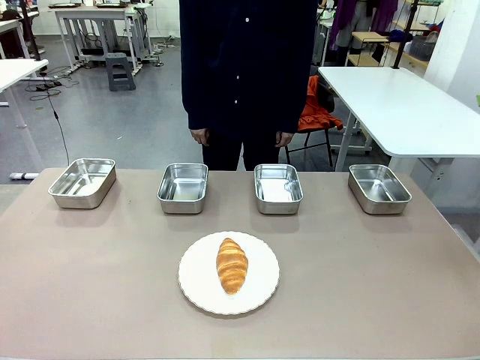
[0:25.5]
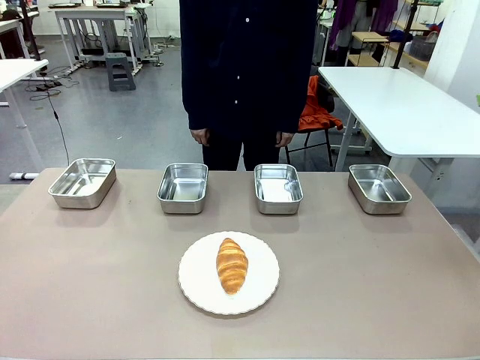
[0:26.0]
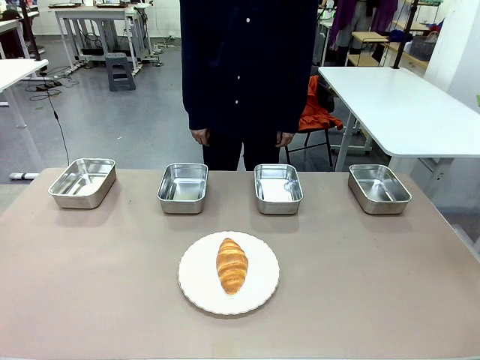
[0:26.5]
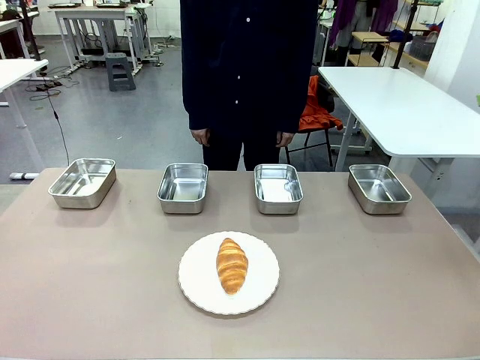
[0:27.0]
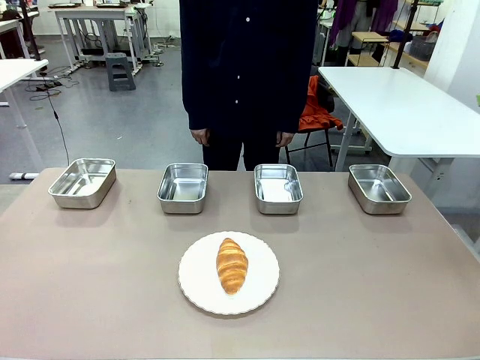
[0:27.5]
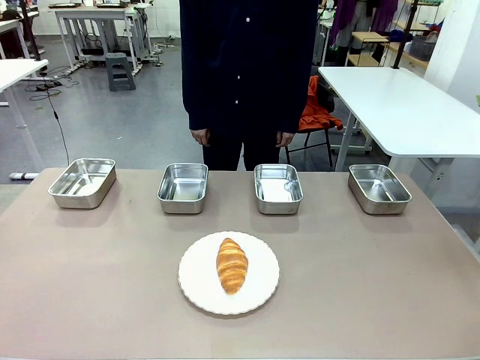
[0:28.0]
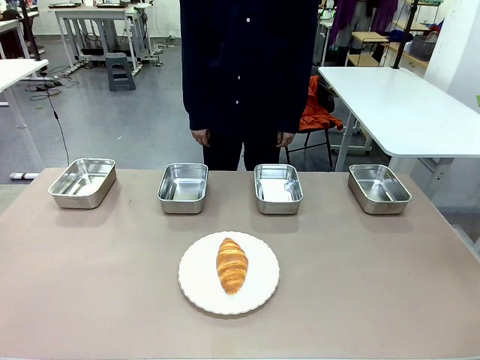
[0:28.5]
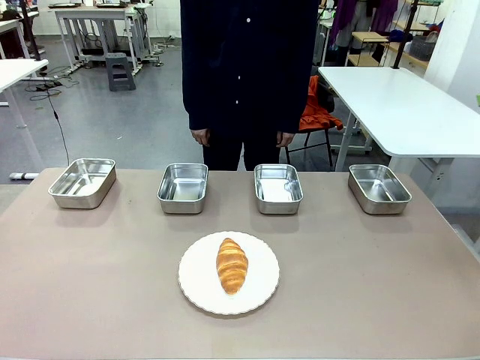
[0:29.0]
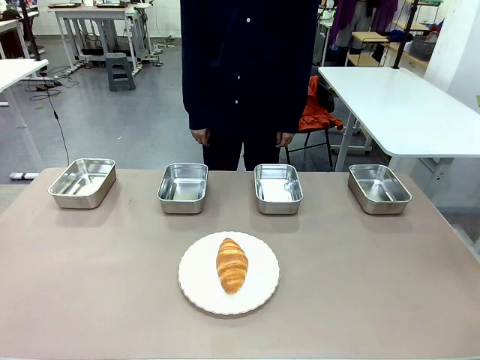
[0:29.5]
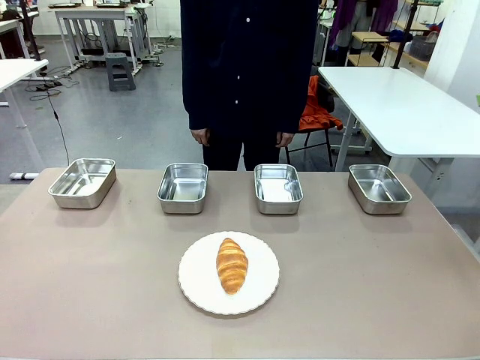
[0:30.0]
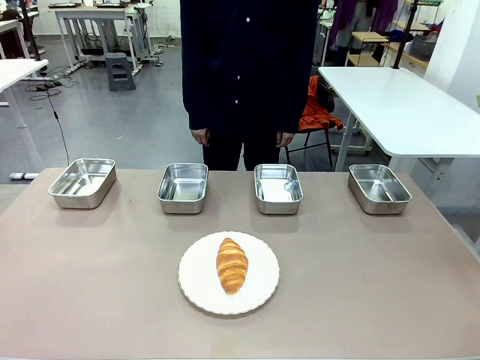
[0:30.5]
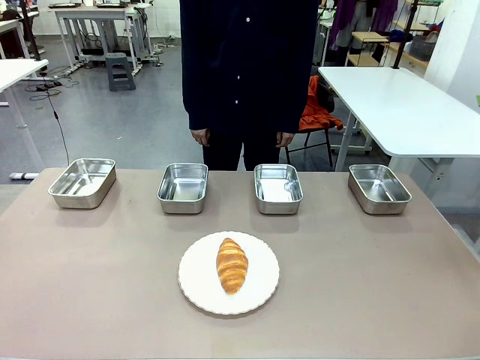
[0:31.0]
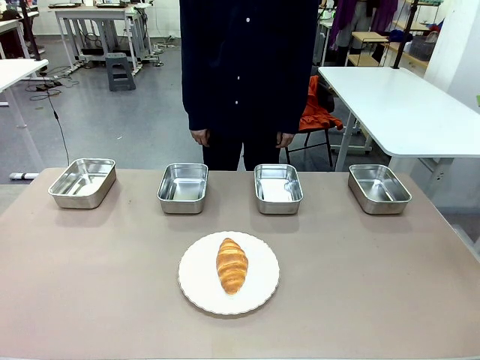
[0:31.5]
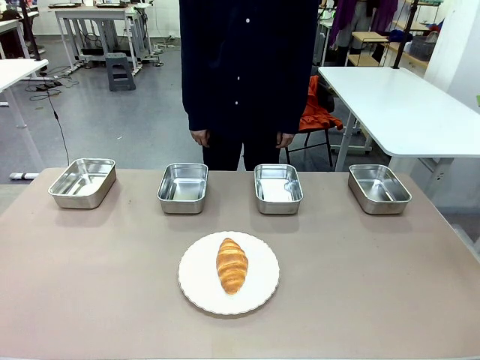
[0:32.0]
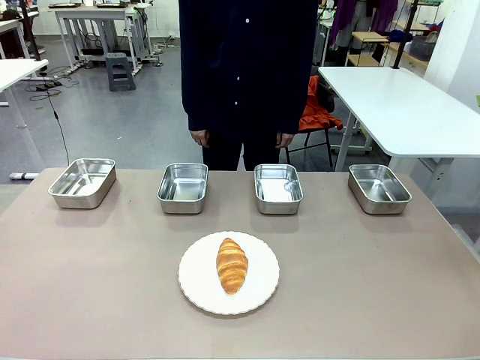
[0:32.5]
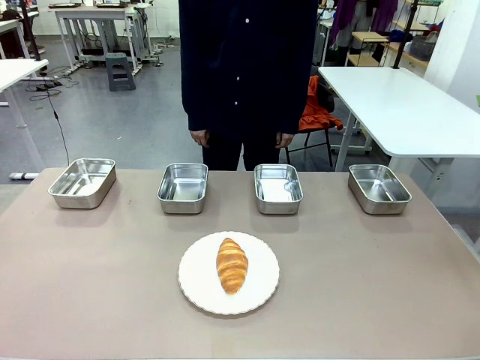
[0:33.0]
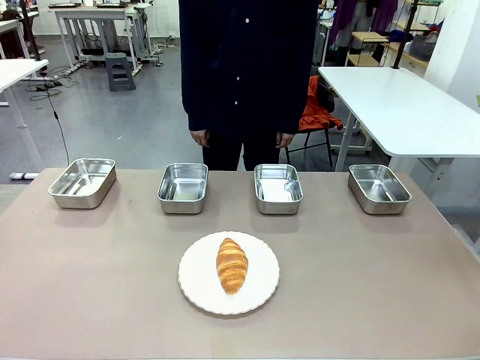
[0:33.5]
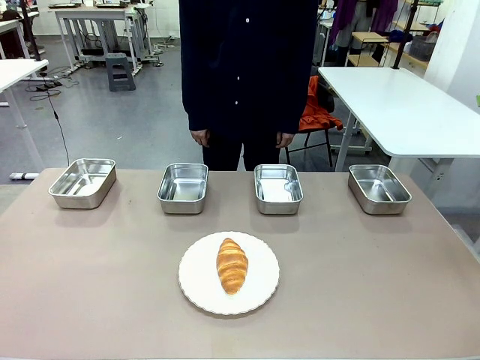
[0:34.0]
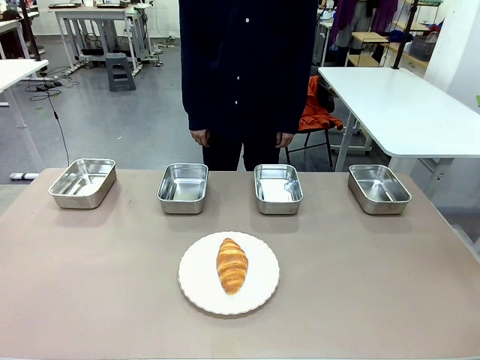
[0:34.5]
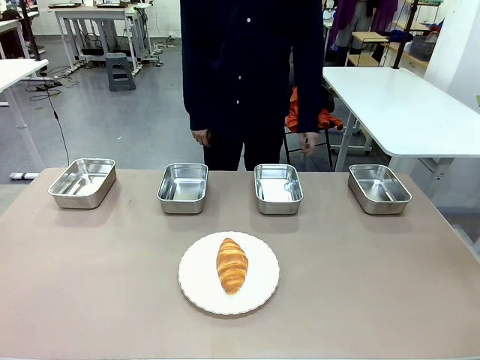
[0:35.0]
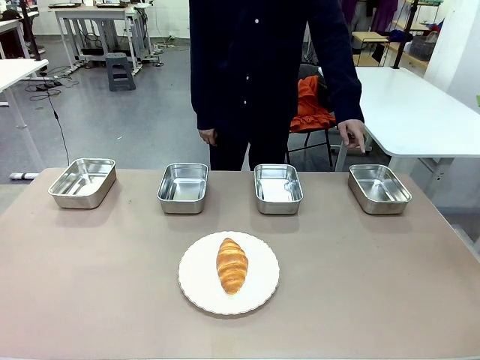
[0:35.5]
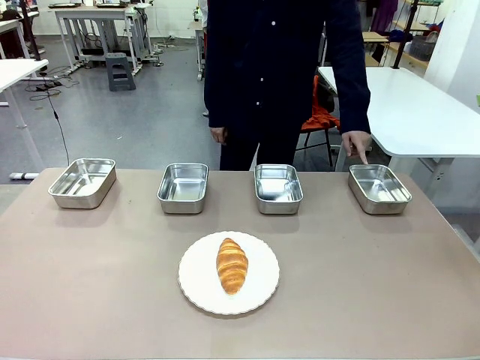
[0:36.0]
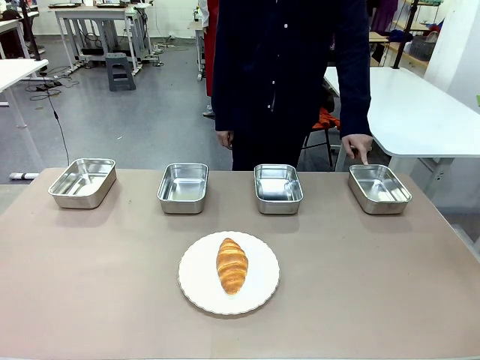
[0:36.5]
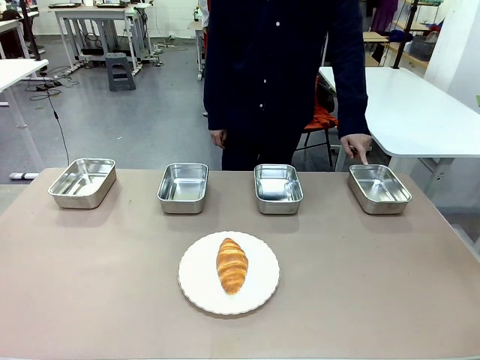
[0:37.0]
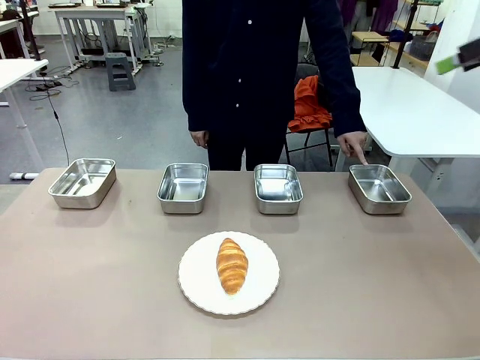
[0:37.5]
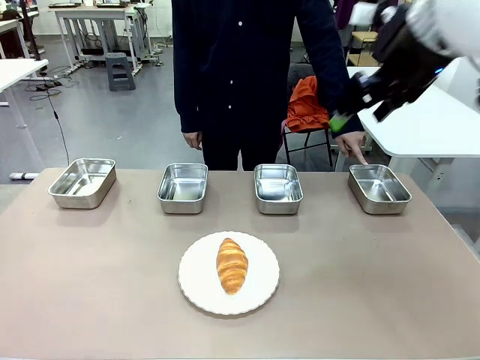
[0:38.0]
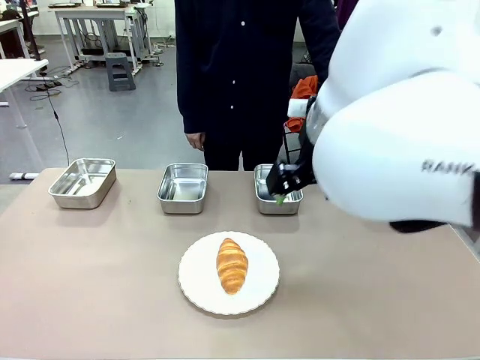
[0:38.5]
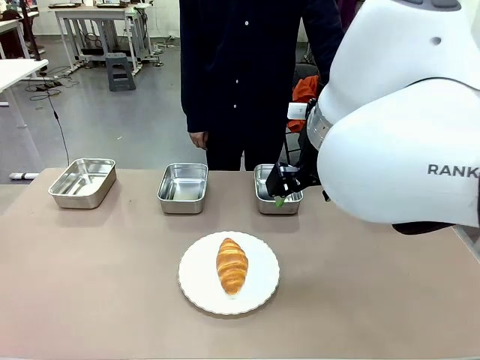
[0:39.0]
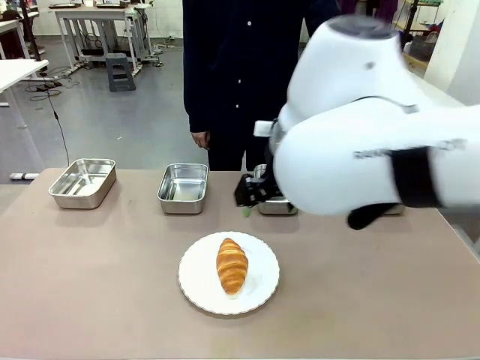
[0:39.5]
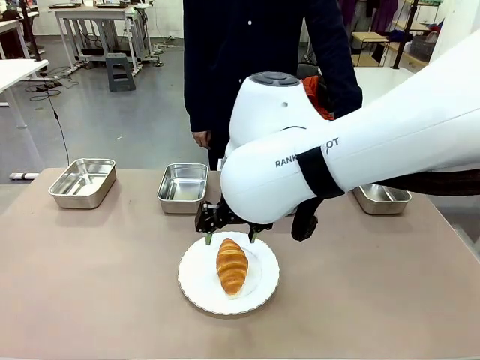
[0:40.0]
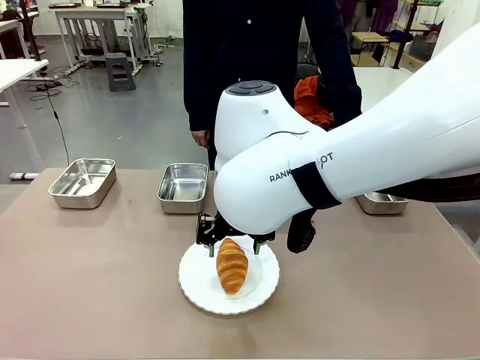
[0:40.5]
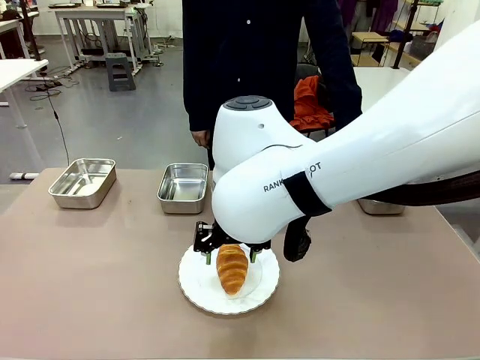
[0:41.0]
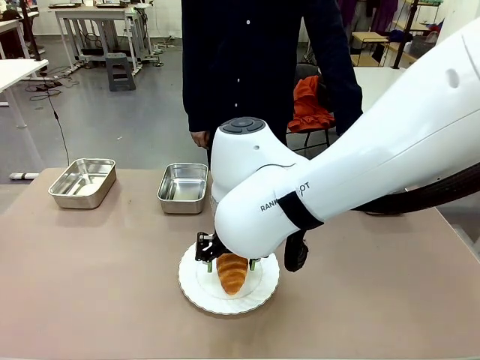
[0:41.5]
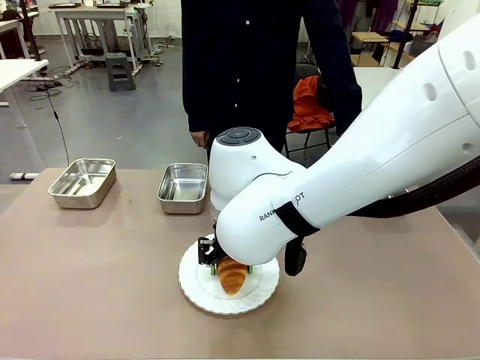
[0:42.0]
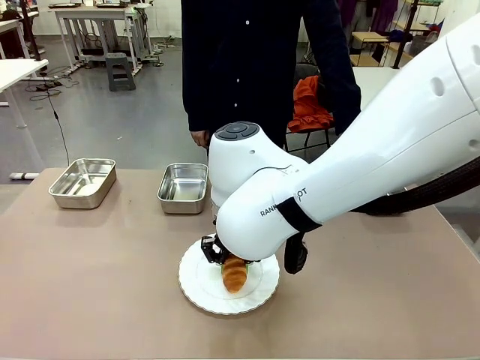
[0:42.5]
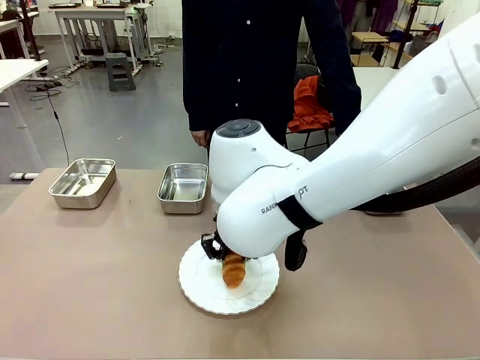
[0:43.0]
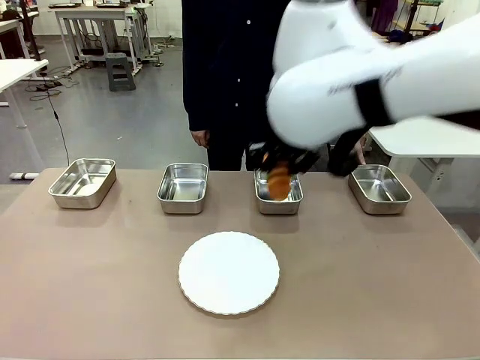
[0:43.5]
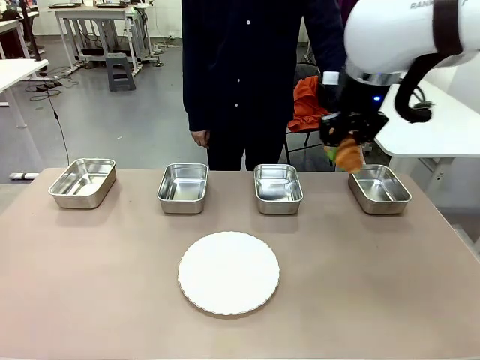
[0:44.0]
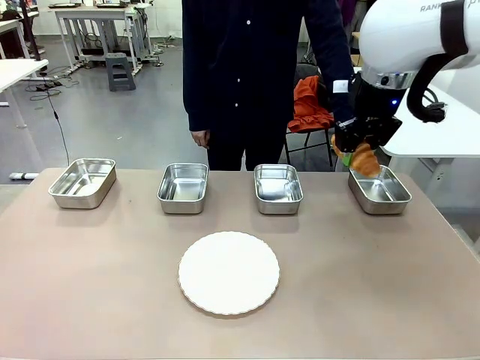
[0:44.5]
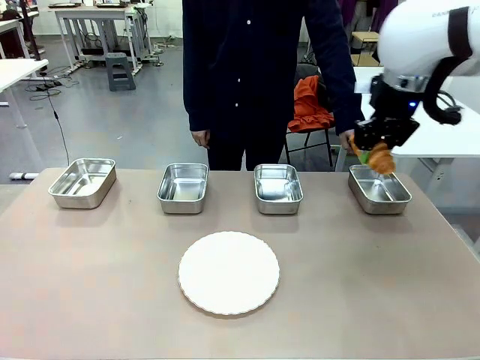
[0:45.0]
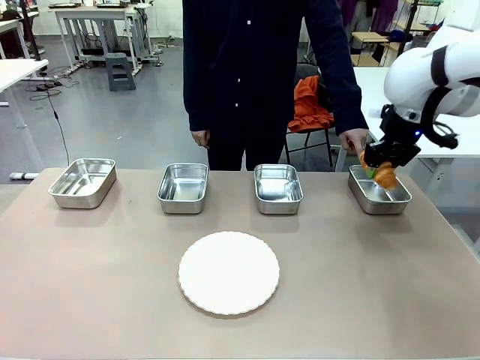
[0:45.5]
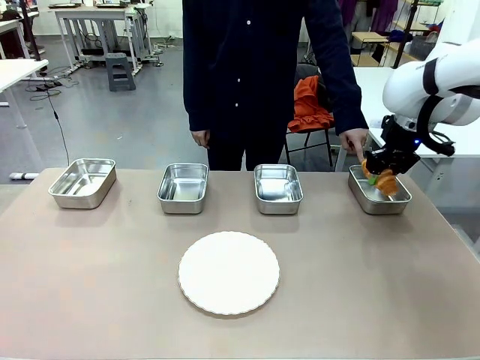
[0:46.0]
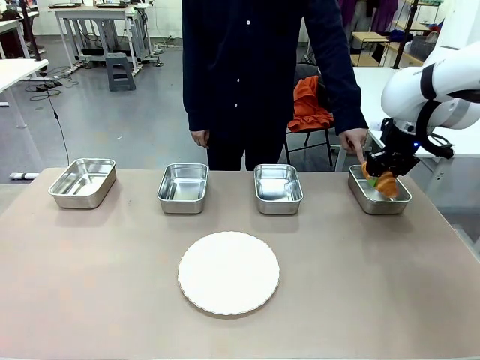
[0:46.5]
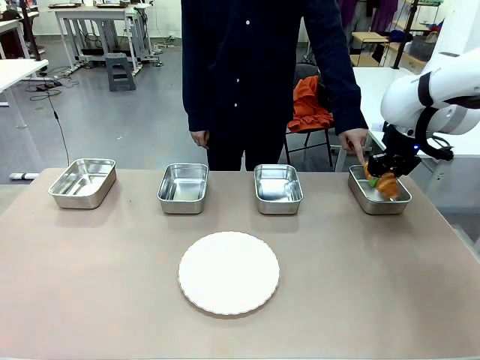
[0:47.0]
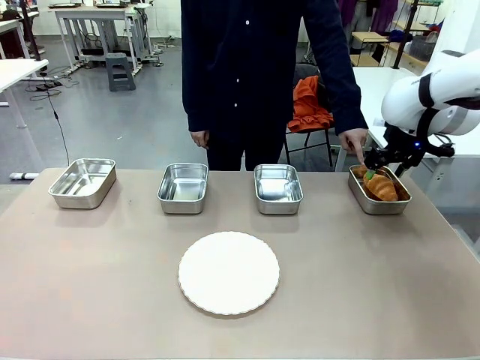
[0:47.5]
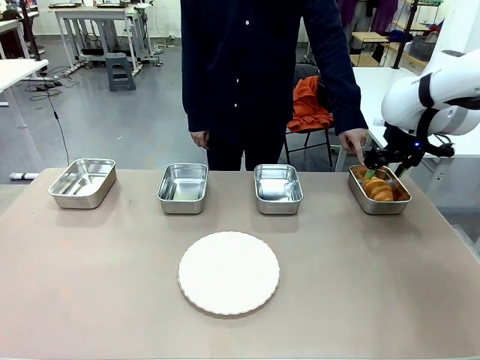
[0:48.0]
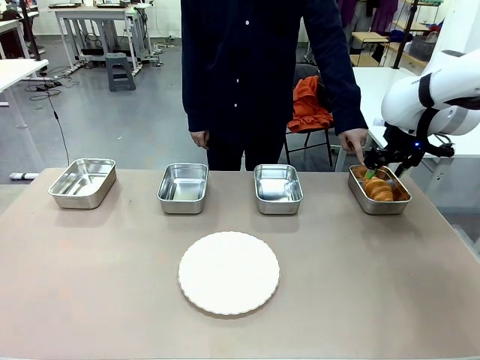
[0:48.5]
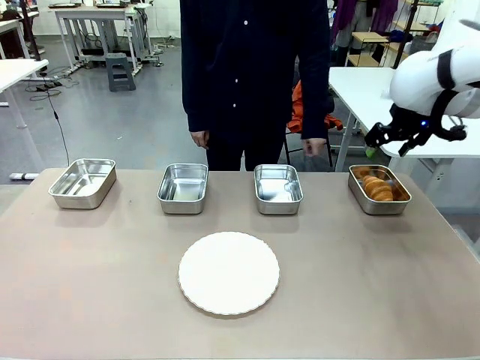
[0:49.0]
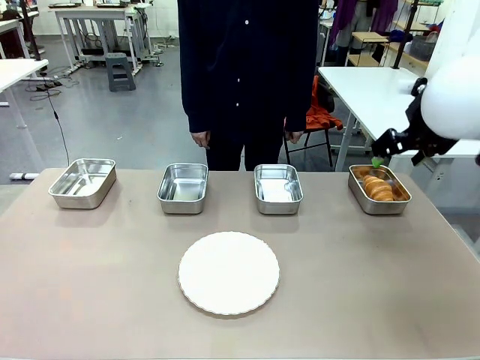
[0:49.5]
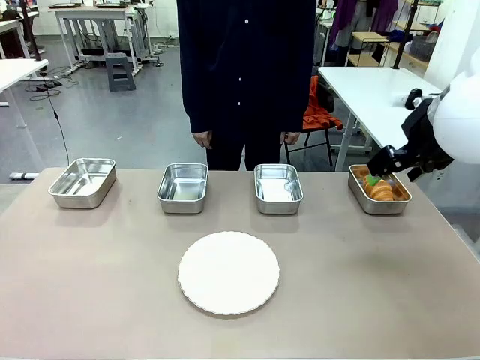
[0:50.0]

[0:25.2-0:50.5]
Task: Place the bread in the container.
Robot: Place the Butter Roll into the Airtight Container indicated by the human.
Person: A person randomly selects and points to an Airtight Container.
